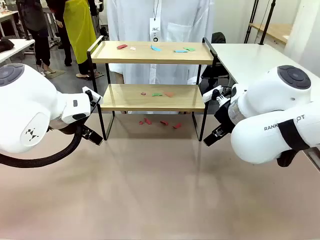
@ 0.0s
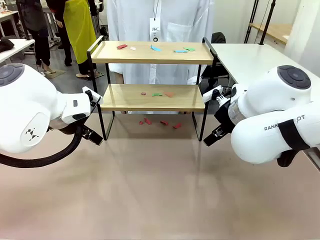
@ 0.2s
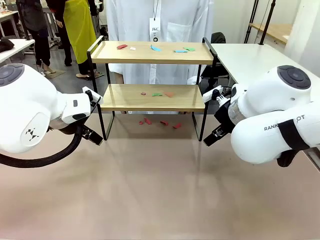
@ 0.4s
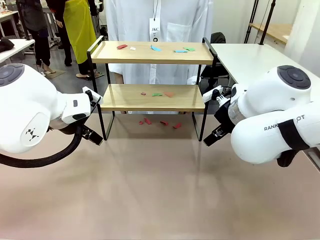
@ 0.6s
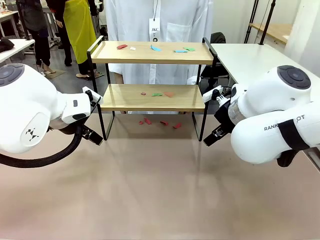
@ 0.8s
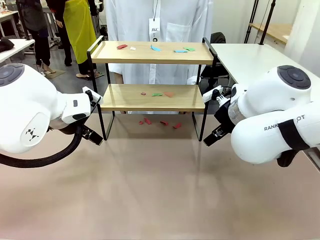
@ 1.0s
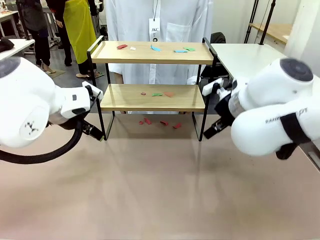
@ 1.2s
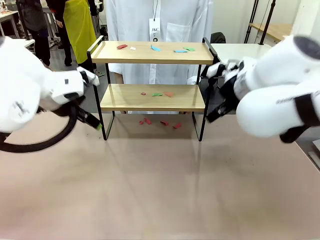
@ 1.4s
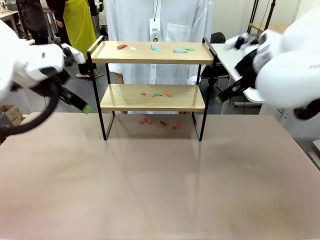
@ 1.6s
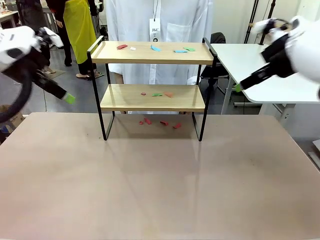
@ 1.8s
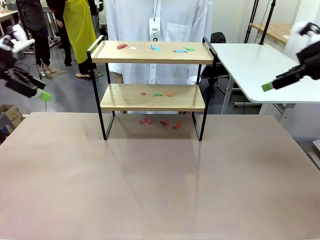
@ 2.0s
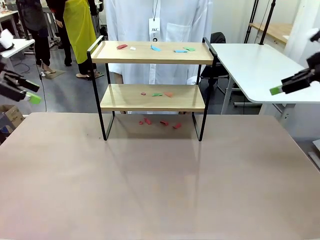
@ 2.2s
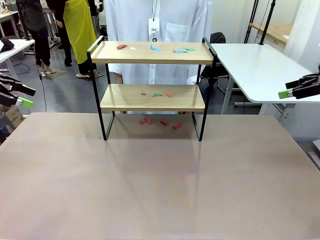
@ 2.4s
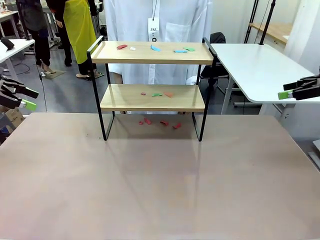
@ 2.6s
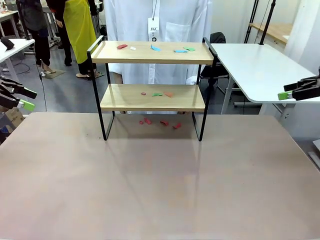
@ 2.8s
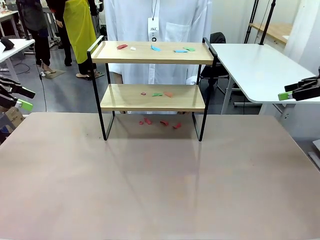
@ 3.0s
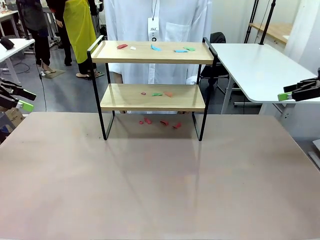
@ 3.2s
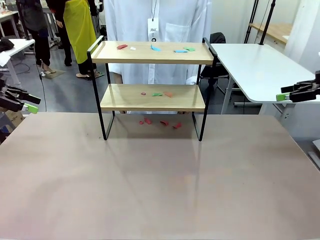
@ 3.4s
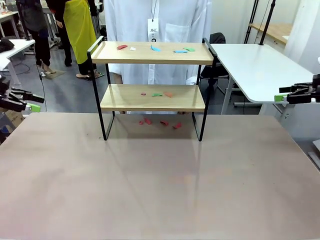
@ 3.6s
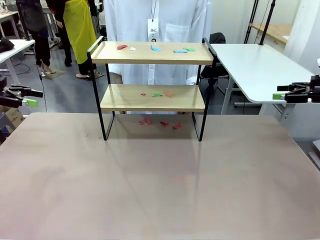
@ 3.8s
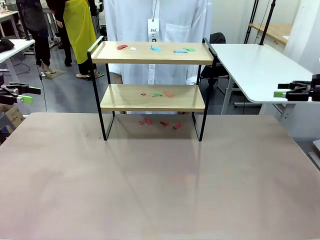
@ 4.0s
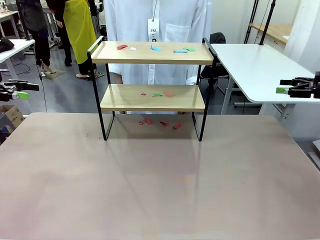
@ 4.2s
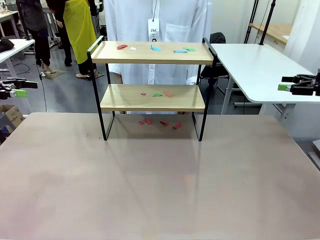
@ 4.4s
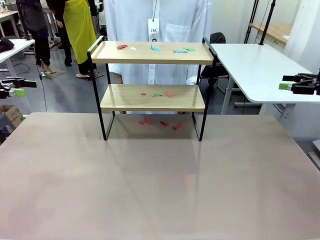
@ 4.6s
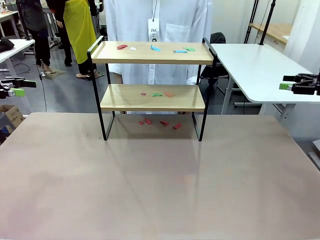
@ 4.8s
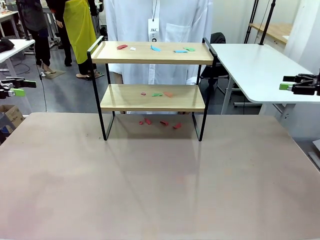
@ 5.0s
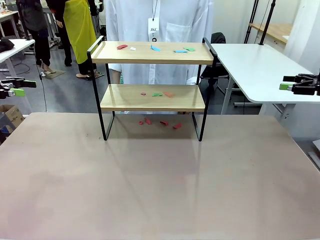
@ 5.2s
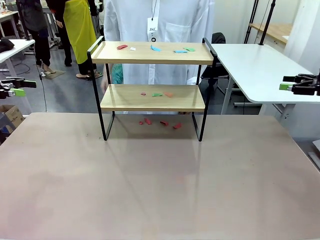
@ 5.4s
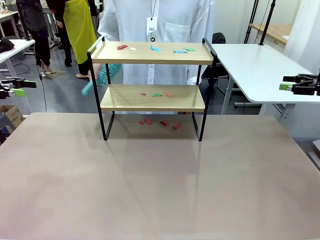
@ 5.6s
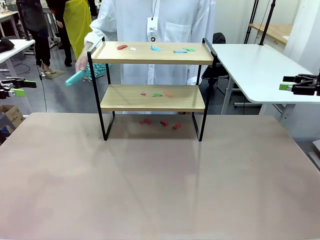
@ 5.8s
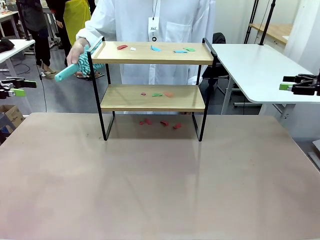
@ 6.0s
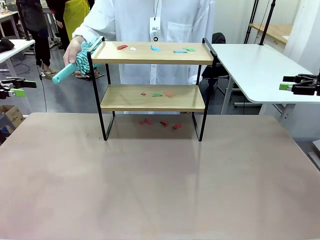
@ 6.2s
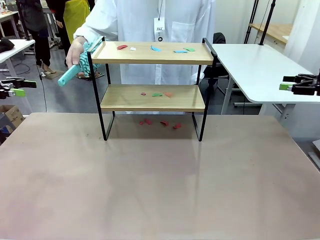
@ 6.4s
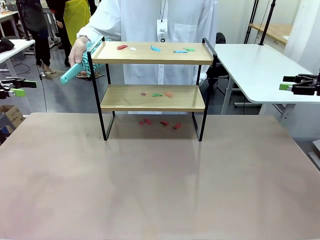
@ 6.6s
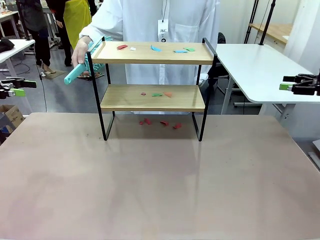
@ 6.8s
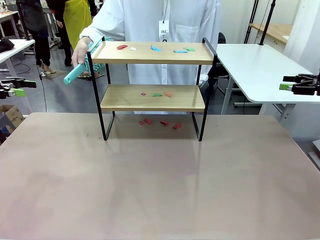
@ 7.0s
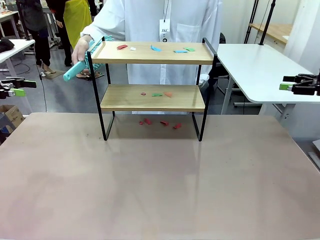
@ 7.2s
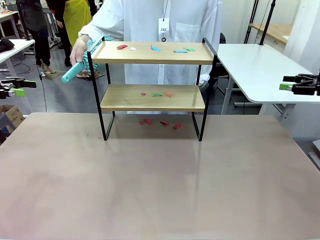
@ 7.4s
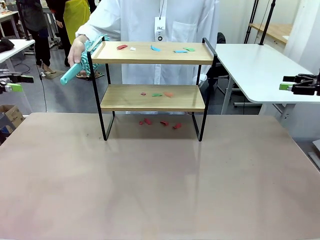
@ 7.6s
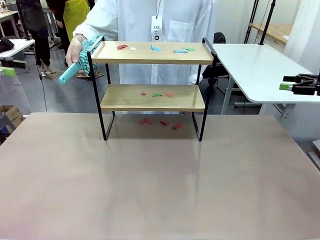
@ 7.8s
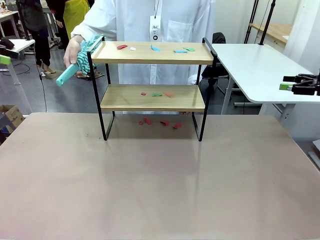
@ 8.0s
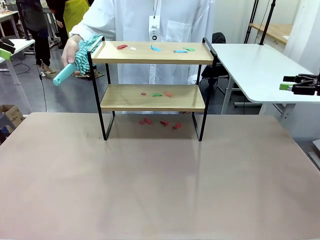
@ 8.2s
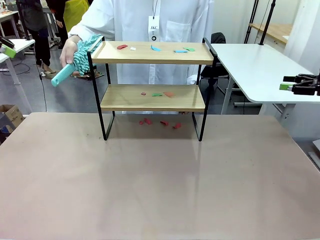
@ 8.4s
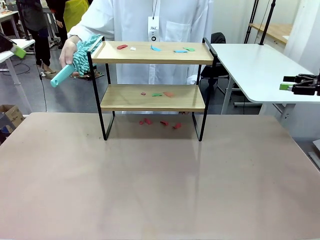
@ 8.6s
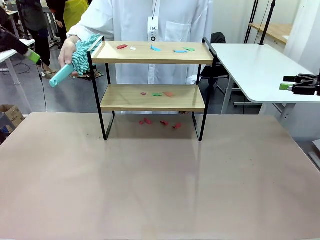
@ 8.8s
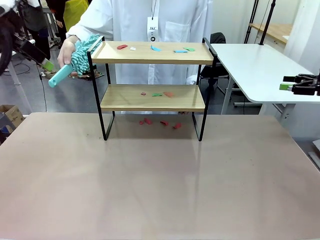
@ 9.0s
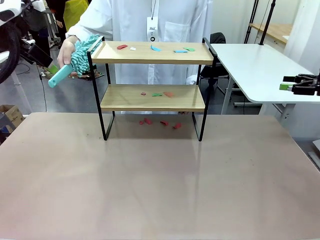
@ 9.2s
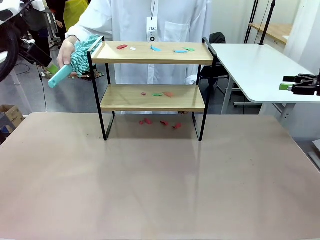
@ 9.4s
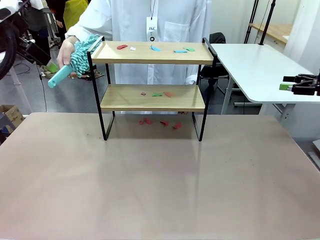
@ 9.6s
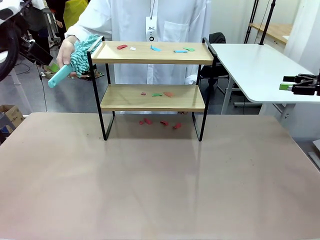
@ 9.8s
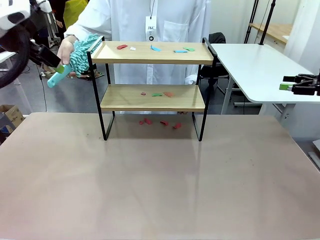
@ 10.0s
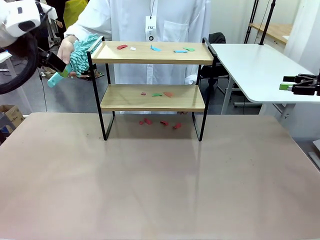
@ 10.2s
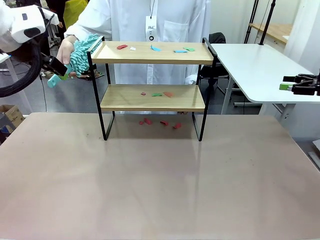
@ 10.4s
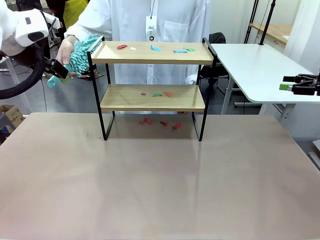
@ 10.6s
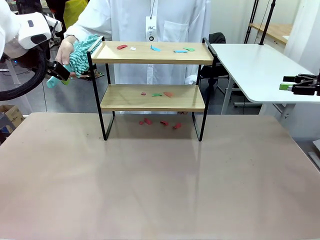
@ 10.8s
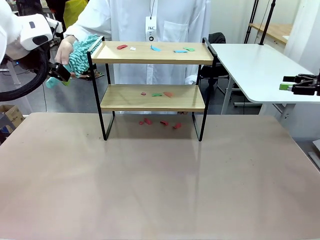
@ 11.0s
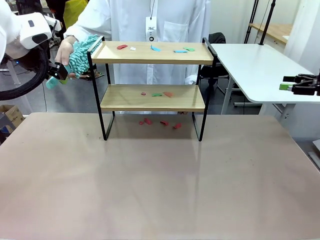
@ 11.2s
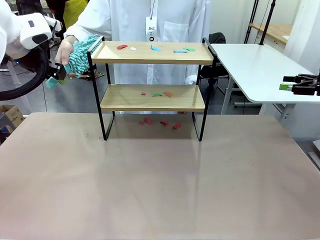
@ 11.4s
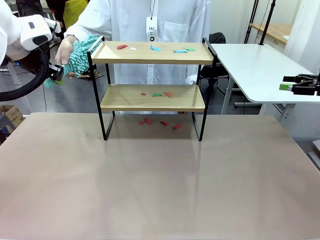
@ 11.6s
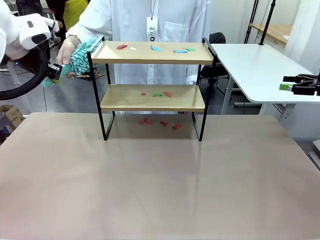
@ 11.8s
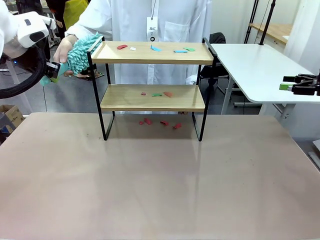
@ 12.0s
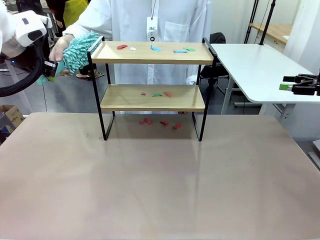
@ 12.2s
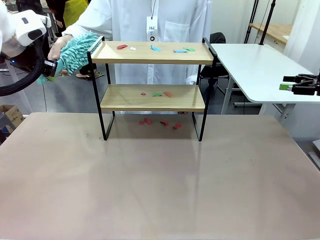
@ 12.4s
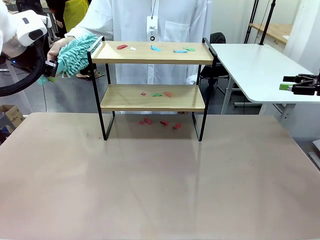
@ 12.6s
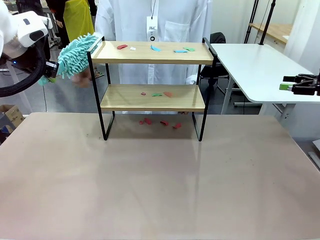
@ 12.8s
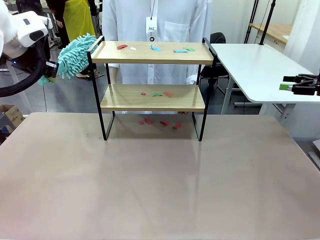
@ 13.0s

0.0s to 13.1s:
Task: Clean the shelf.
Robot: Pick up the Duster handed by the human.
Person: Hand the Duster to the robot.

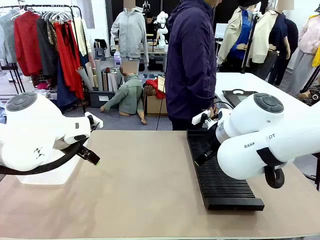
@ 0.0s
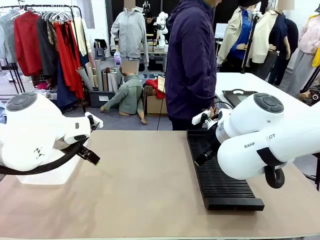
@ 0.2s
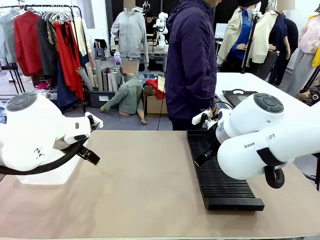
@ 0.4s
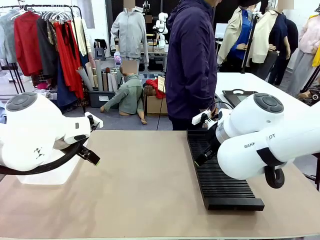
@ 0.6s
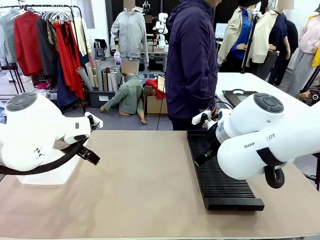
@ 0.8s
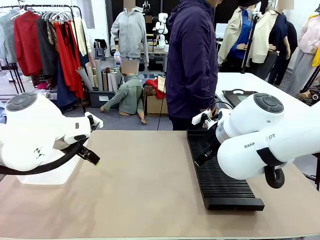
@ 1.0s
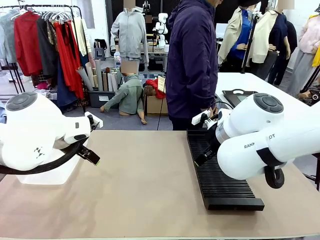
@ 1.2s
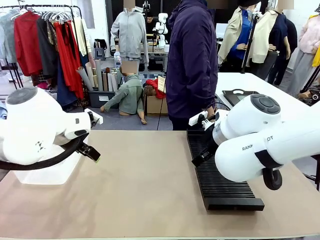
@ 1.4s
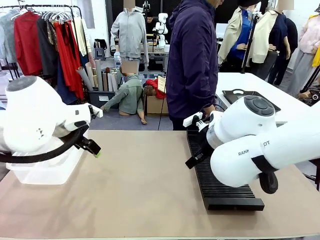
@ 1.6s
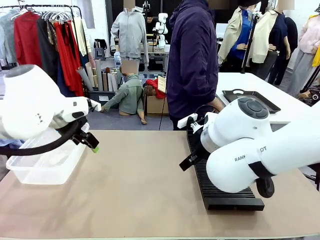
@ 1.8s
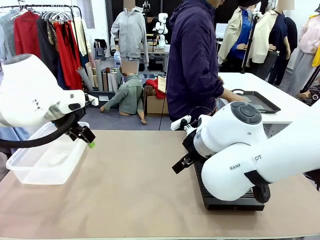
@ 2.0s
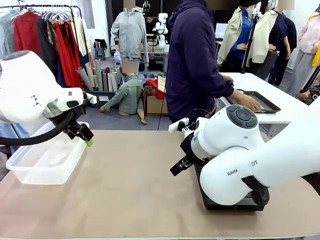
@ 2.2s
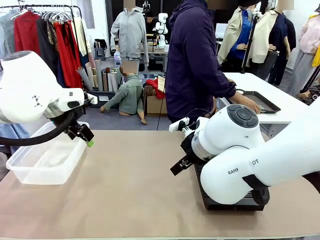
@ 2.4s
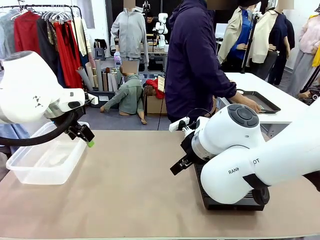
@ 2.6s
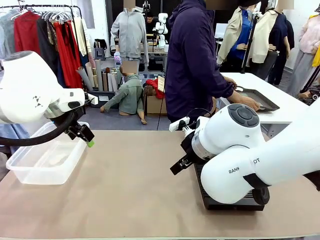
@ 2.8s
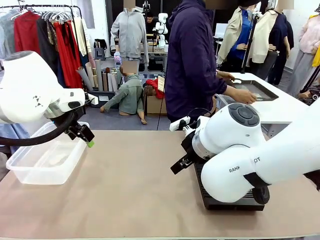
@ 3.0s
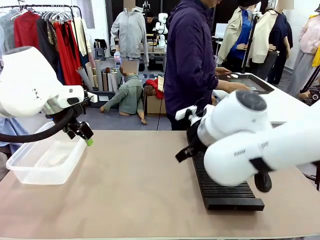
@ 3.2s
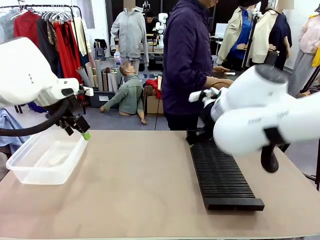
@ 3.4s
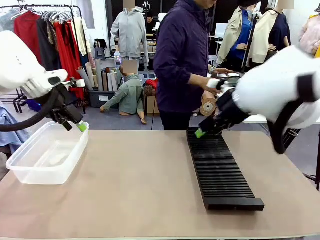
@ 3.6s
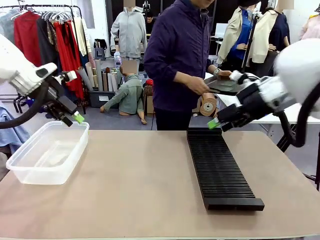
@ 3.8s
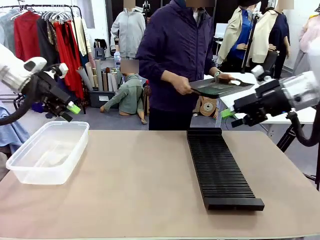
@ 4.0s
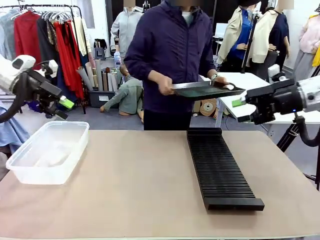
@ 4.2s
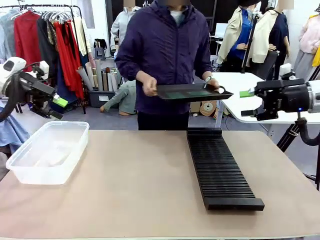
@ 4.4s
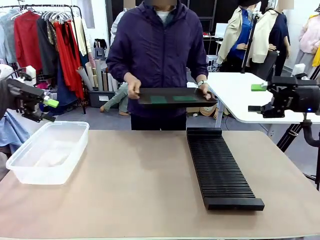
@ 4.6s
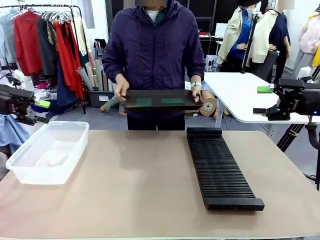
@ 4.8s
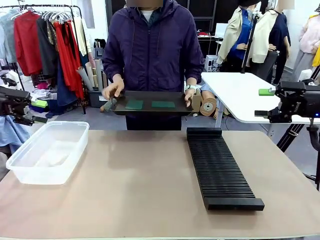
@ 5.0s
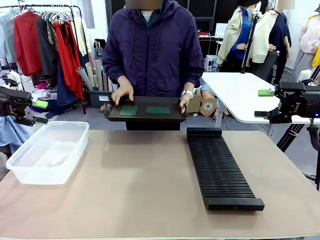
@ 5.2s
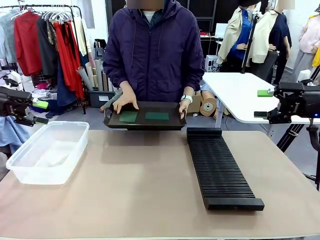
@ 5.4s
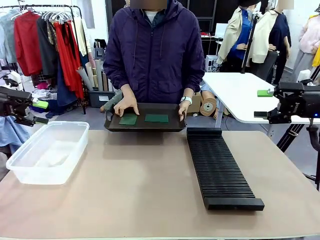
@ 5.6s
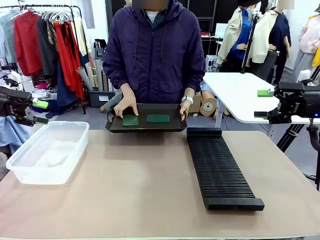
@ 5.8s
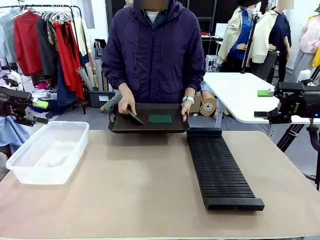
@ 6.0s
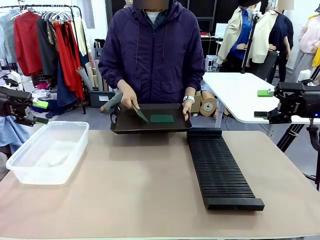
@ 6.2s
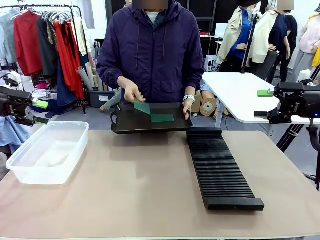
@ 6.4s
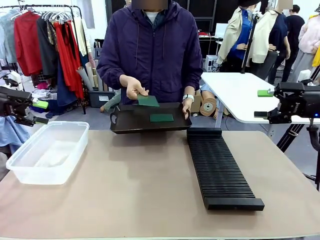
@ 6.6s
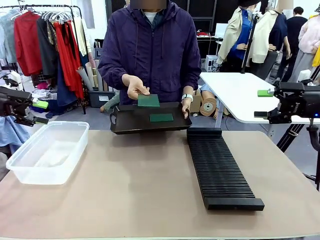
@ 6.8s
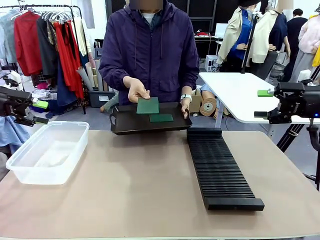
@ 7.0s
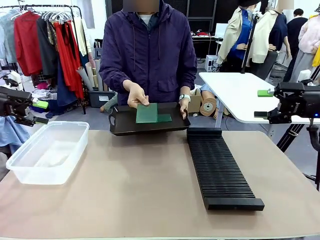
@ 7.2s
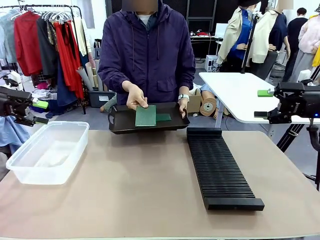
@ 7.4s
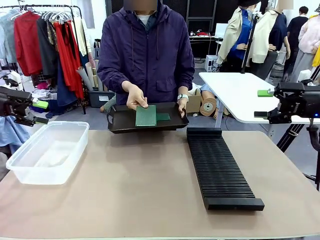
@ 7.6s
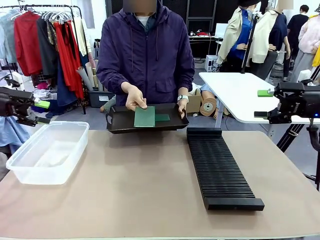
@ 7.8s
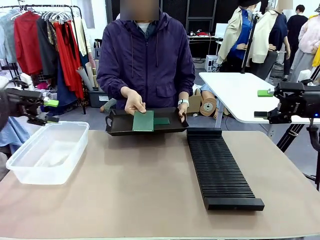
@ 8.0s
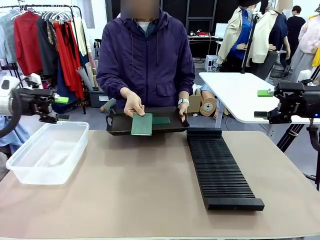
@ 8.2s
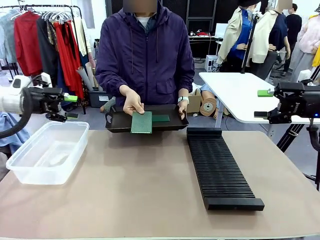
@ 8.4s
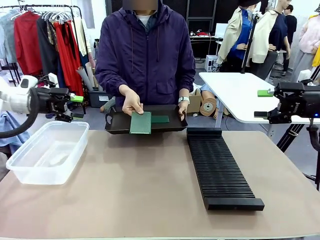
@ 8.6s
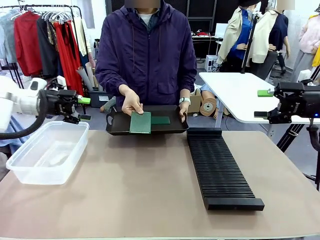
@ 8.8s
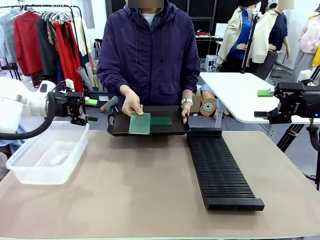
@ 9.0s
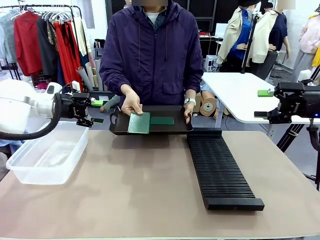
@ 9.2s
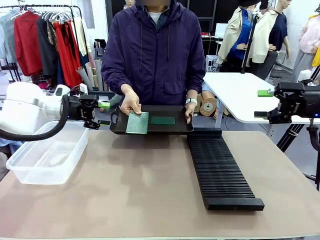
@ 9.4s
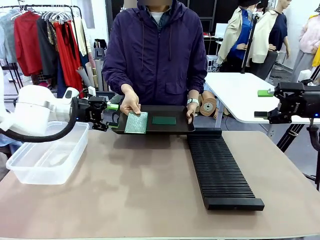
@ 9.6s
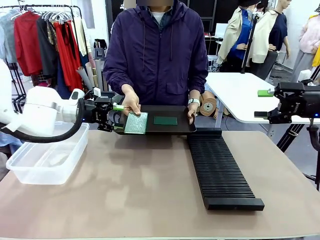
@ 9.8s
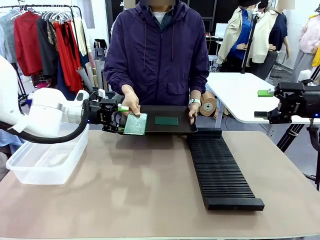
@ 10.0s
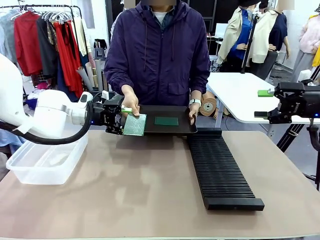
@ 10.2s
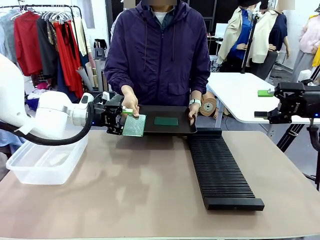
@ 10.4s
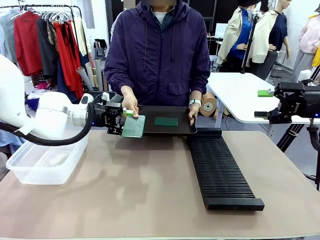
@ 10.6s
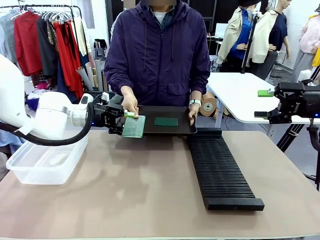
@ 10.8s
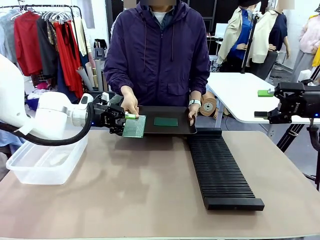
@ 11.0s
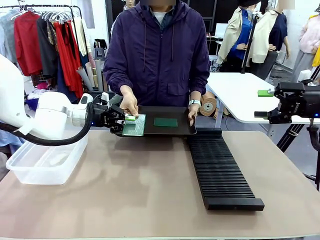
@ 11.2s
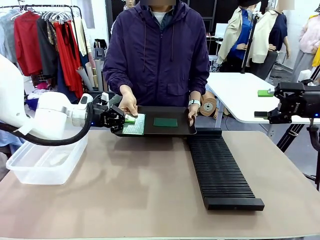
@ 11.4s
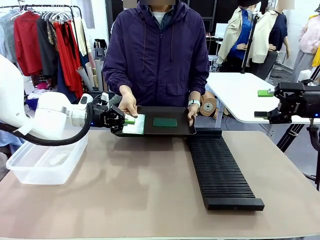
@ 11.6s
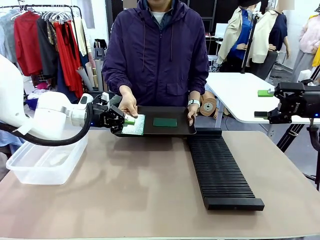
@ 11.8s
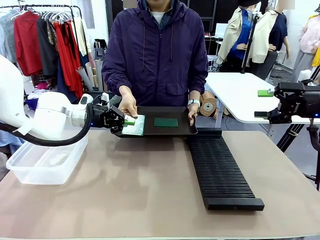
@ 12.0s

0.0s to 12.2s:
Task: Sort PCBs into racks and boxes based on the side picked up.
Robot: Pick up the Blank PCB handed by the Human.
Person: Pick one PCB from the tray and present it to the robot. Release the PCB being held.
